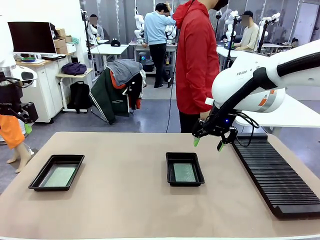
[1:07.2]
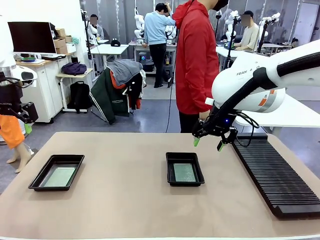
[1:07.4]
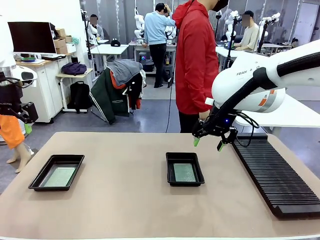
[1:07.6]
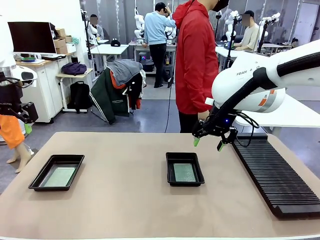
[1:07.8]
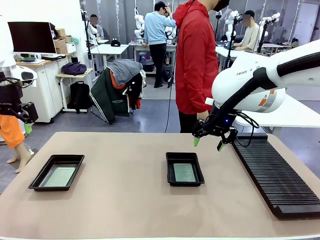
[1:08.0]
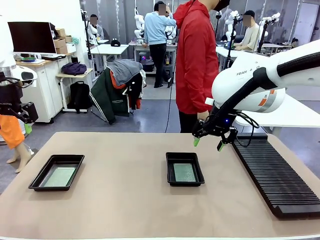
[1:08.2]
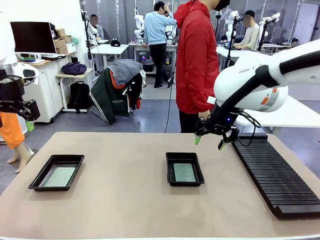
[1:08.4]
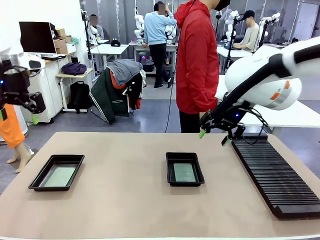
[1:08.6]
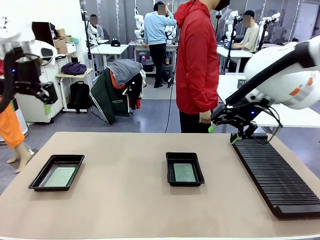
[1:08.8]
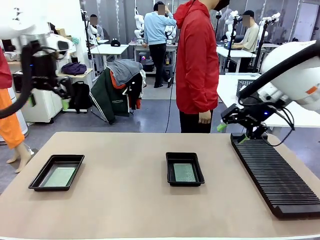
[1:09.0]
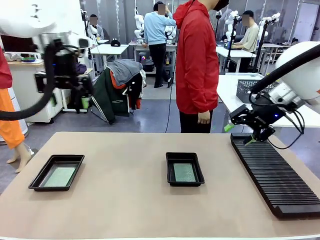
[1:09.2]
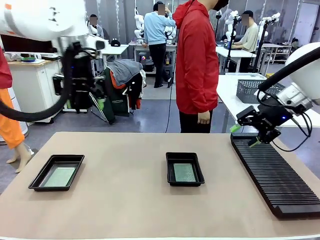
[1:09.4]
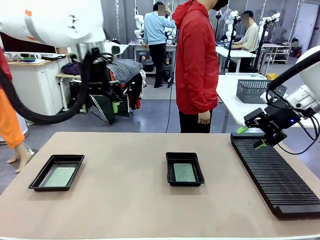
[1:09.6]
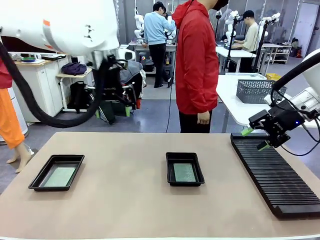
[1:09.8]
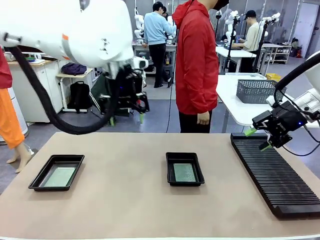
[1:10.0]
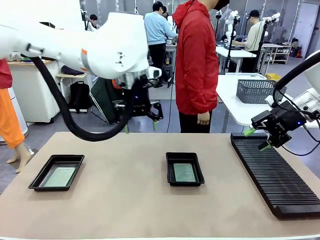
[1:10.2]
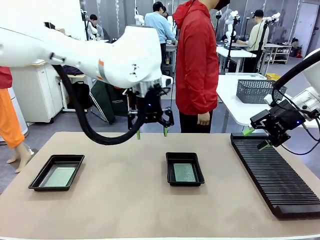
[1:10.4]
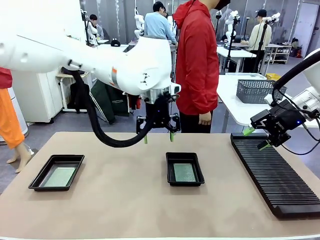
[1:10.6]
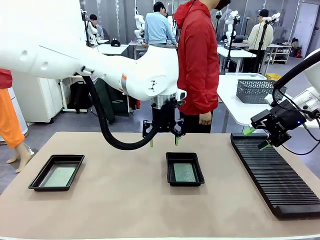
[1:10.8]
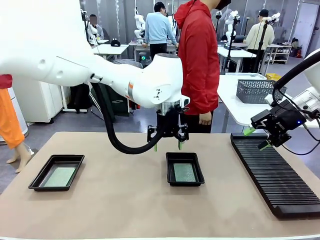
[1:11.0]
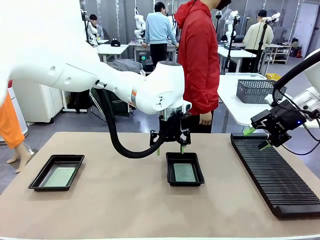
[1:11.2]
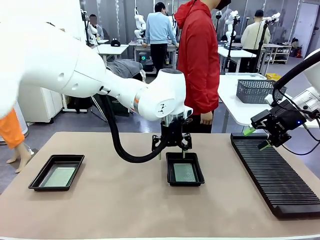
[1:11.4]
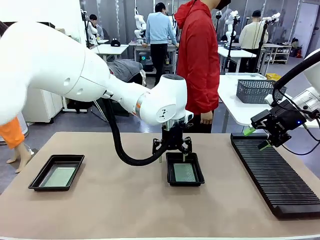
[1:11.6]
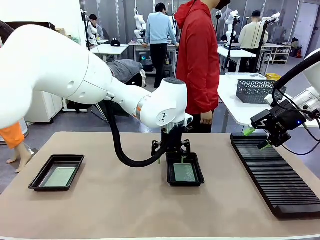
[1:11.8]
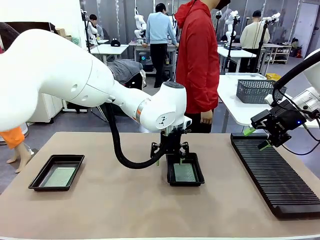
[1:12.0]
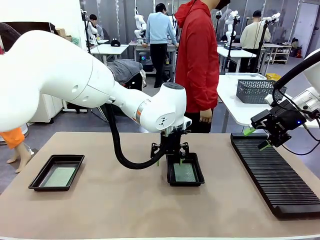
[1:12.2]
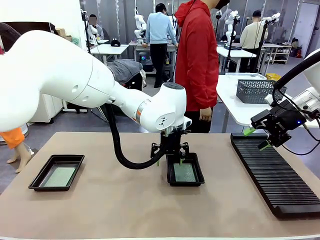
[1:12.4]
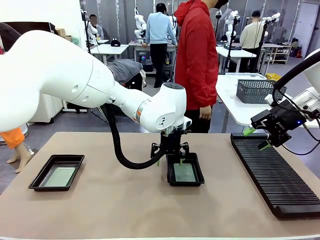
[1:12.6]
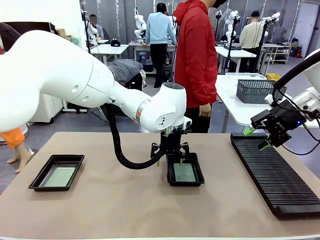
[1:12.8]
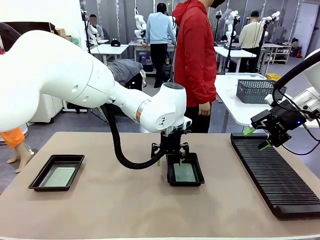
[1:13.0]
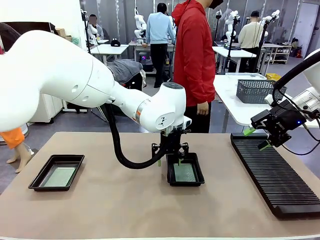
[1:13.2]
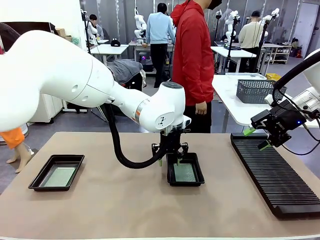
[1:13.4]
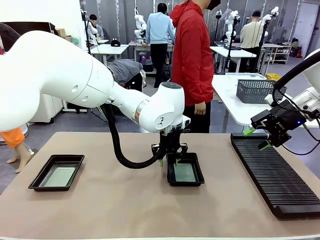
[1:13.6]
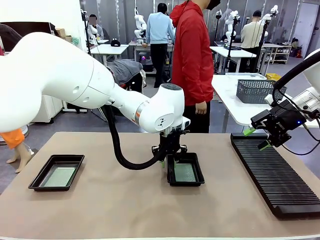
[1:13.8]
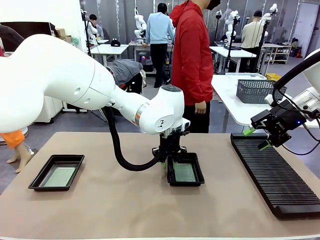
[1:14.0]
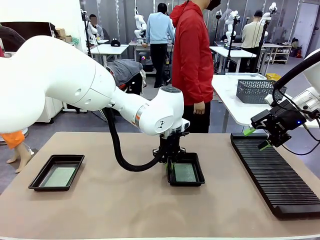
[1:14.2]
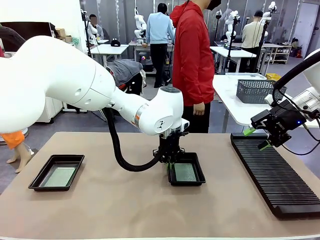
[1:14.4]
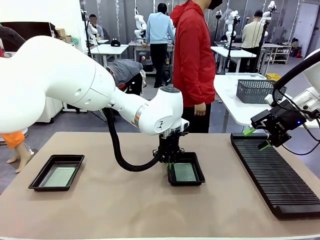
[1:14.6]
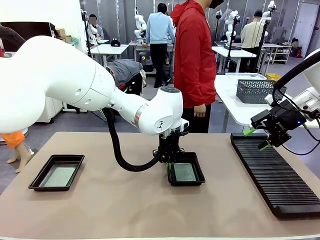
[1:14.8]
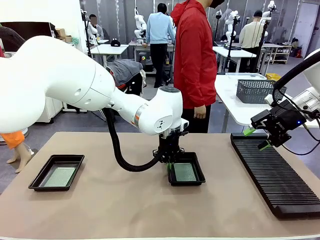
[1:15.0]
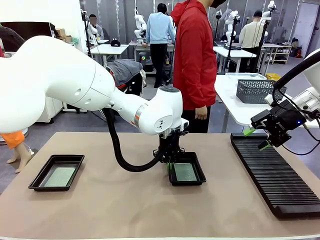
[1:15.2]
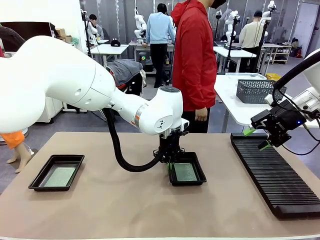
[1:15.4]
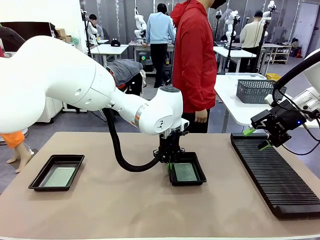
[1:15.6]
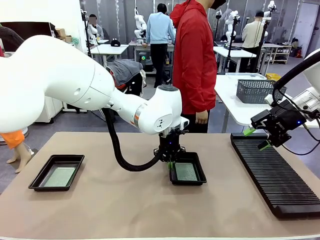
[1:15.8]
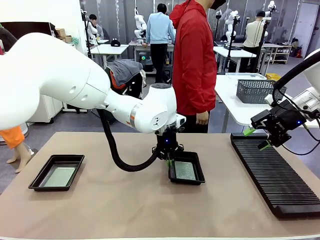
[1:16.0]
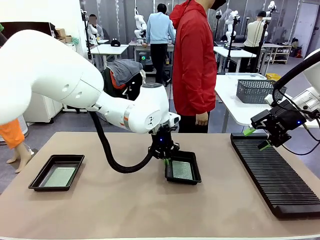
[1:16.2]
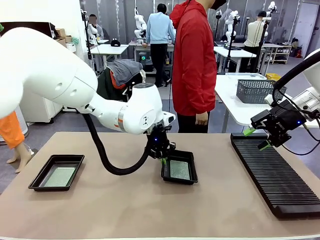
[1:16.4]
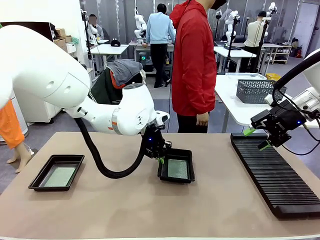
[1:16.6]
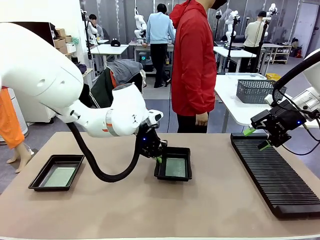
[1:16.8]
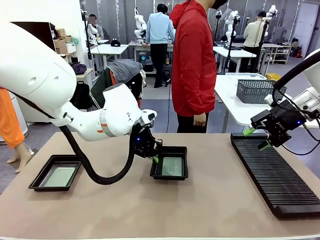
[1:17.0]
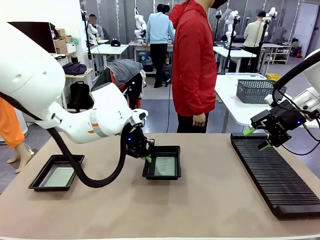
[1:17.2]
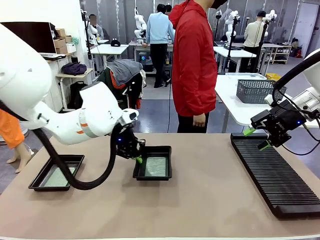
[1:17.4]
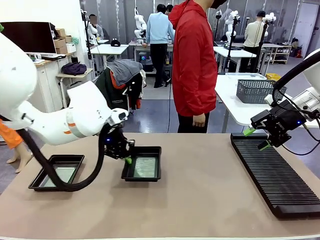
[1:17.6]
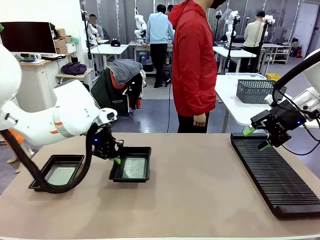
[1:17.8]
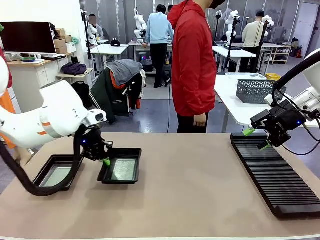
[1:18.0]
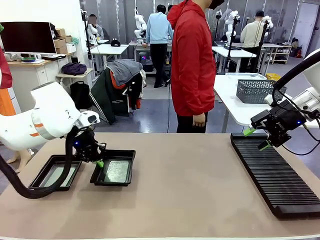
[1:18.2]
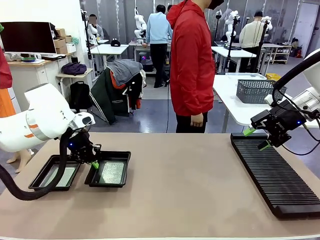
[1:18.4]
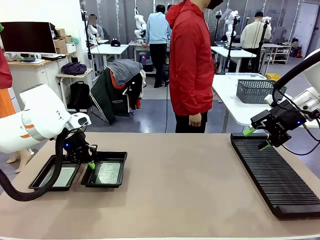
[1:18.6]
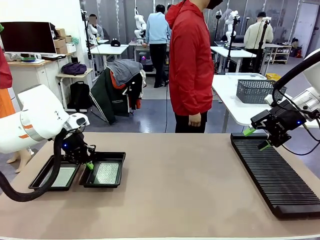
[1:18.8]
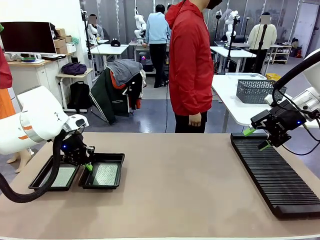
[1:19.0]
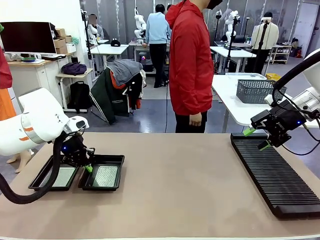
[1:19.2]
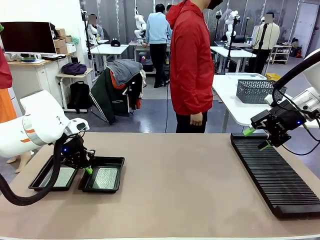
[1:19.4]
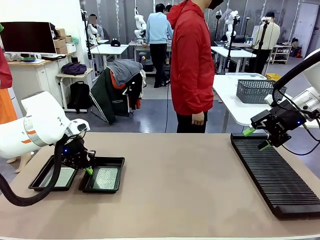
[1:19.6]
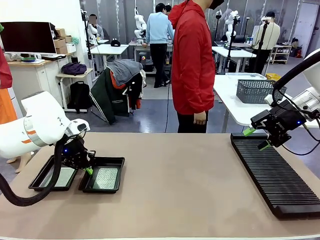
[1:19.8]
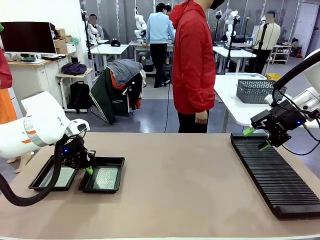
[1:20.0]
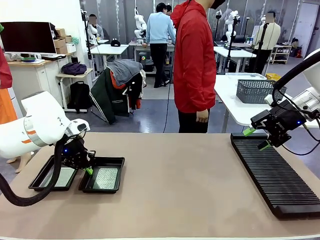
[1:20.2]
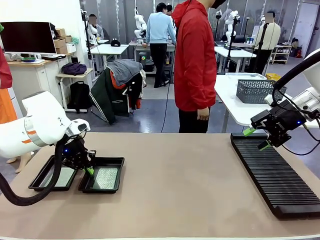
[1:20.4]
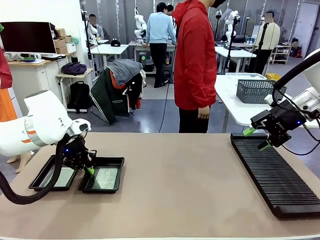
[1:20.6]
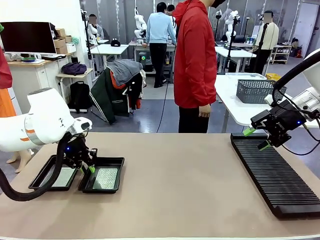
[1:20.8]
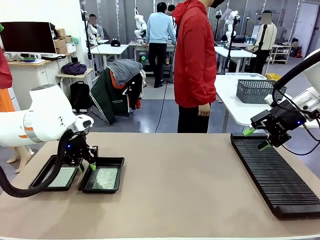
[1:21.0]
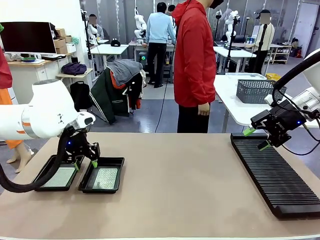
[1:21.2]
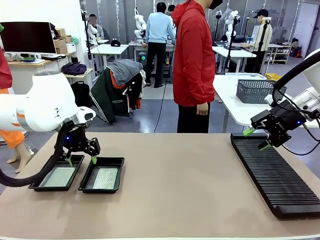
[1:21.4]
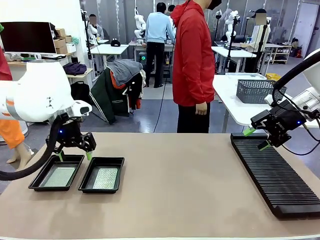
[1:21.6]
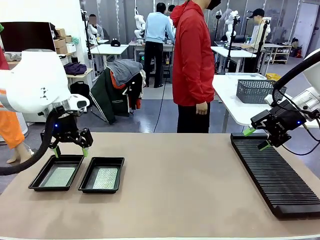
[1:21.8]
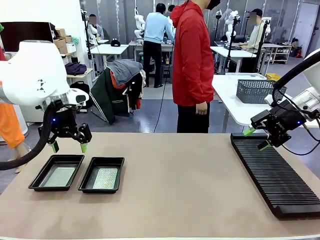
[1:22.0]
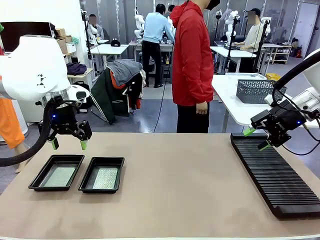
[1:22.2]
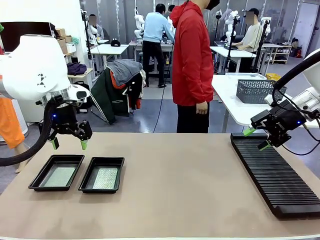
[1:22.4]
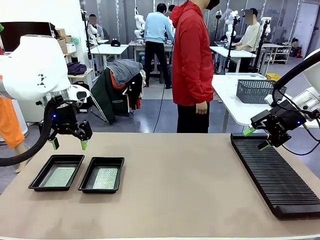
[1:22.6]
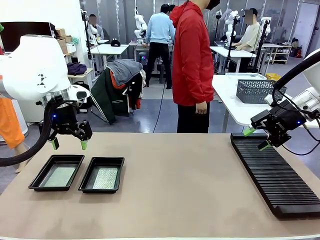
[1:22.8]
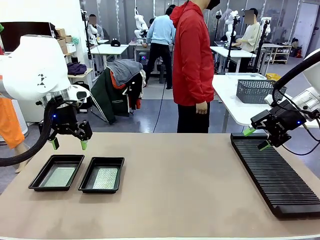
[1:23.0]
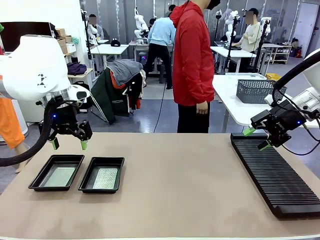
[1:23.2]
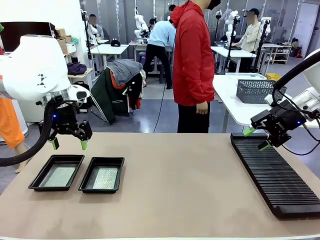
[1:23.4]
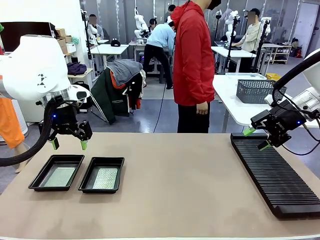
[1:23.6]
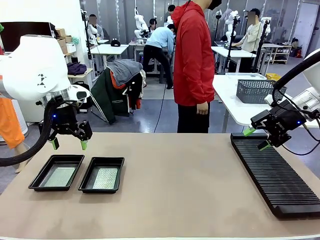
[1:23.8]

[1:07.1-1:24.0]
Task: Inspect and transfer BCBs to ESD trays.
Robot: Pick up the ESD tray and place it on the left side of the table.
